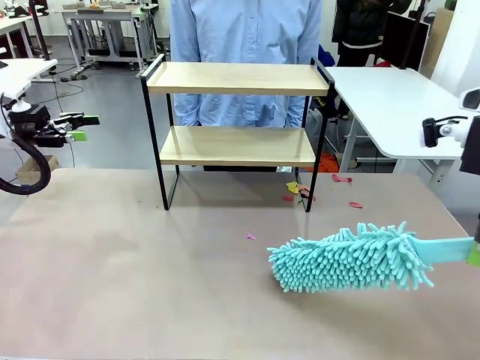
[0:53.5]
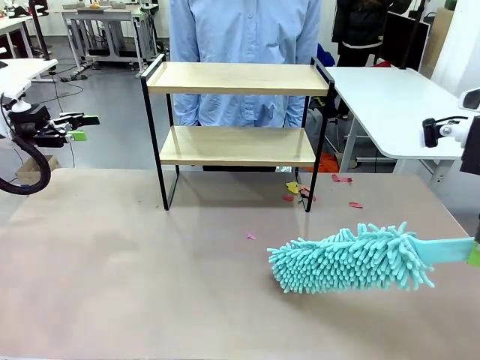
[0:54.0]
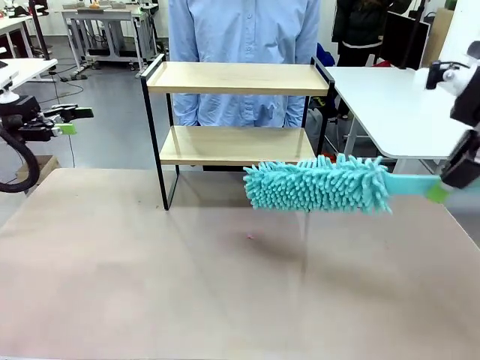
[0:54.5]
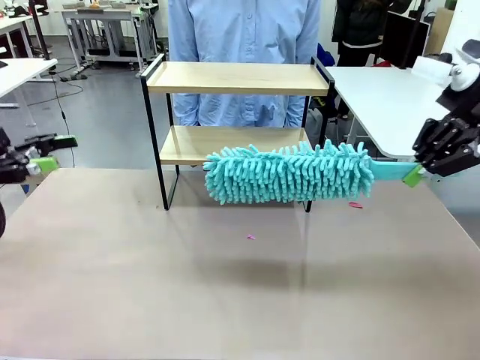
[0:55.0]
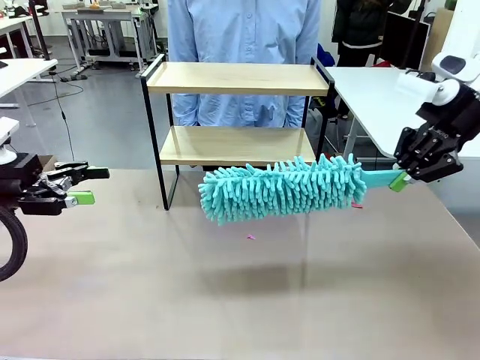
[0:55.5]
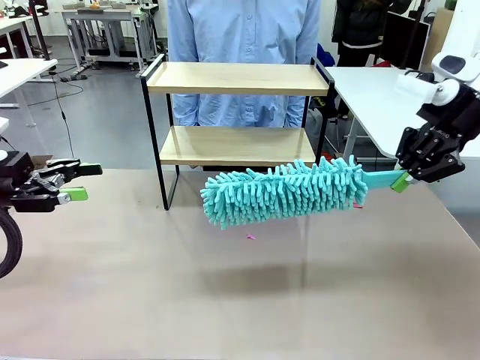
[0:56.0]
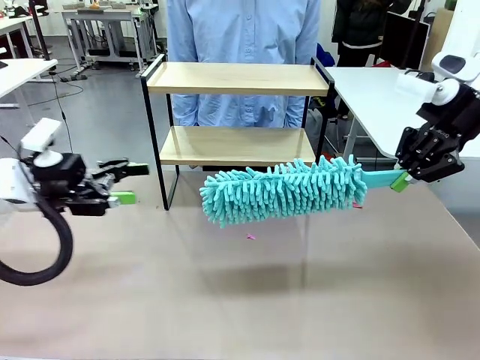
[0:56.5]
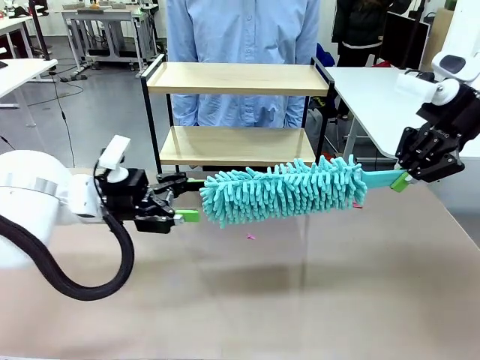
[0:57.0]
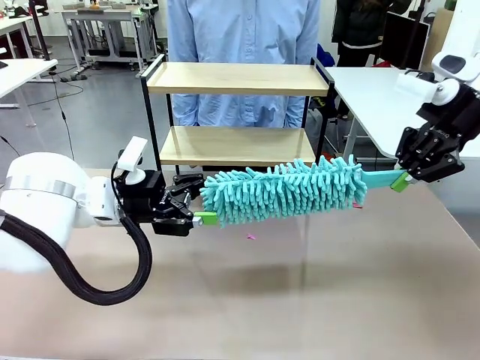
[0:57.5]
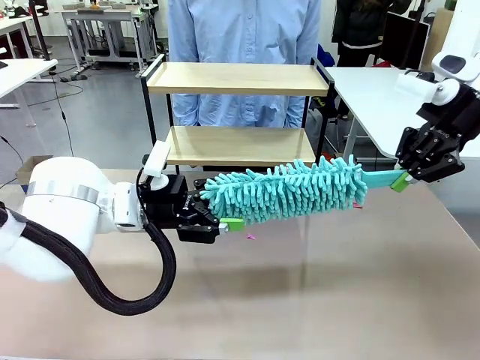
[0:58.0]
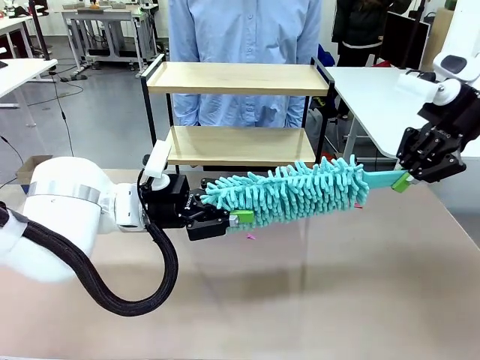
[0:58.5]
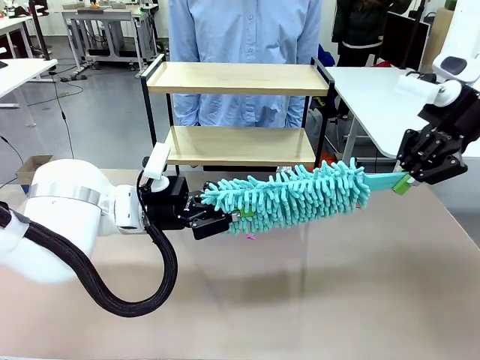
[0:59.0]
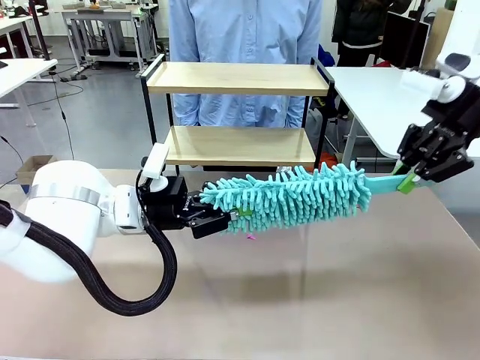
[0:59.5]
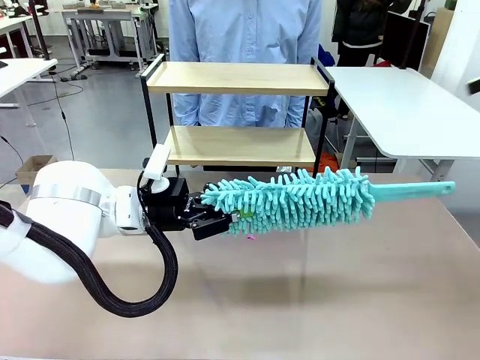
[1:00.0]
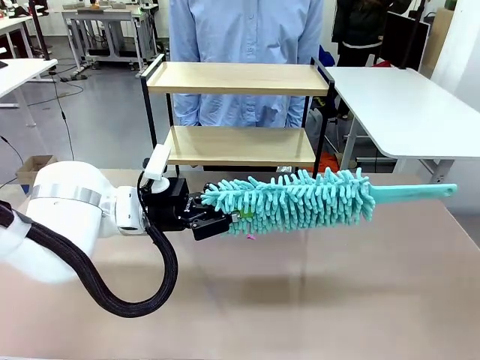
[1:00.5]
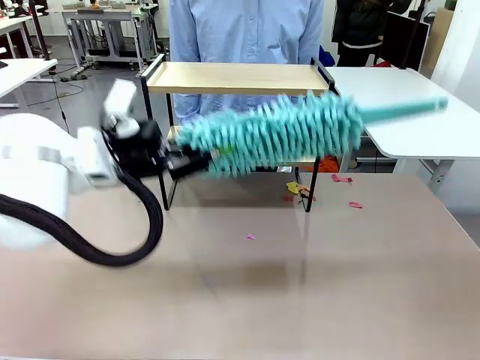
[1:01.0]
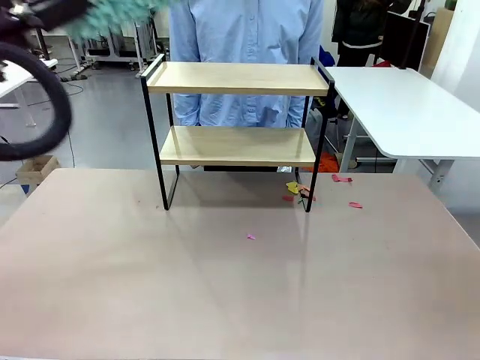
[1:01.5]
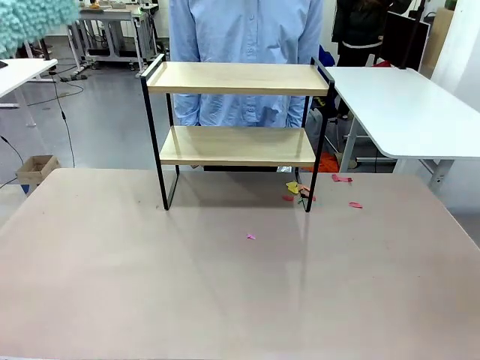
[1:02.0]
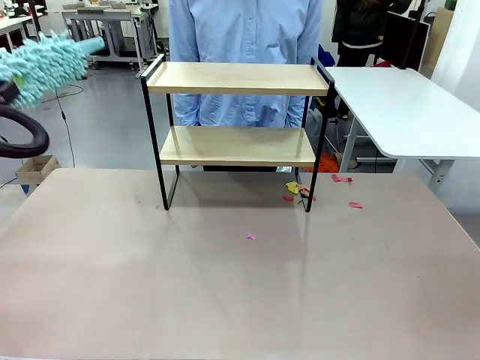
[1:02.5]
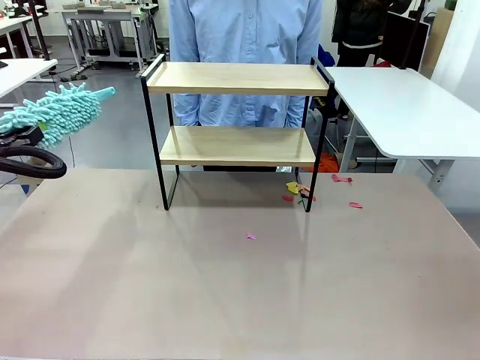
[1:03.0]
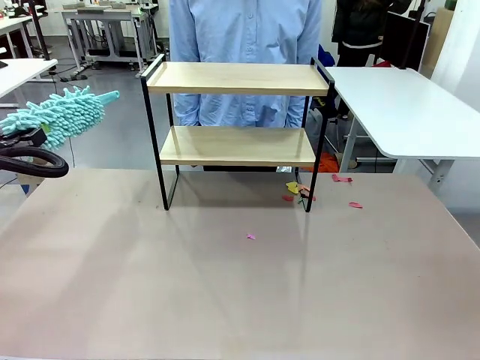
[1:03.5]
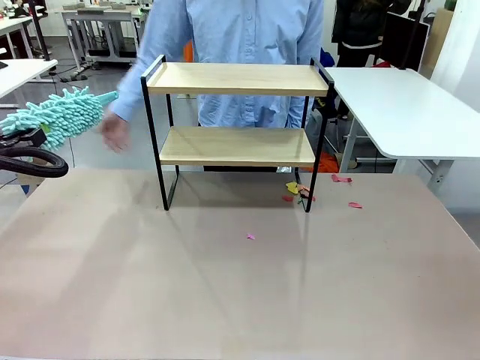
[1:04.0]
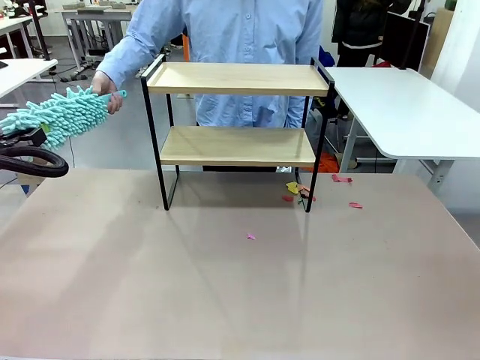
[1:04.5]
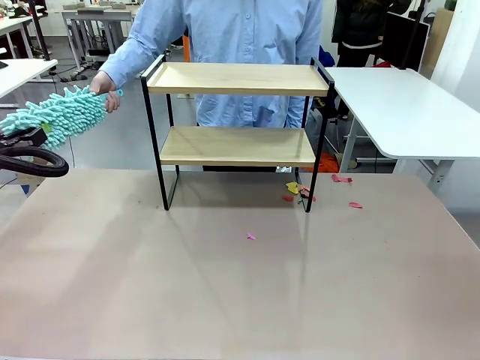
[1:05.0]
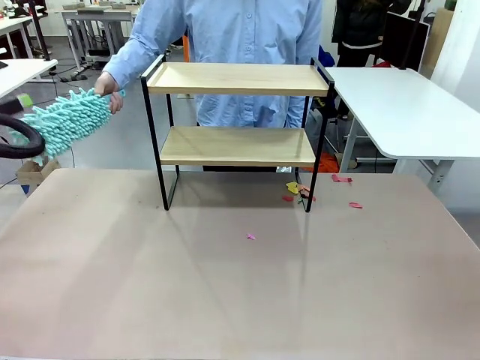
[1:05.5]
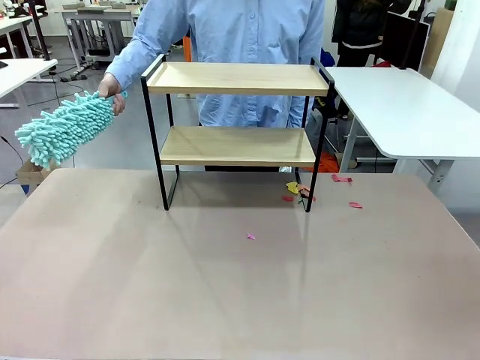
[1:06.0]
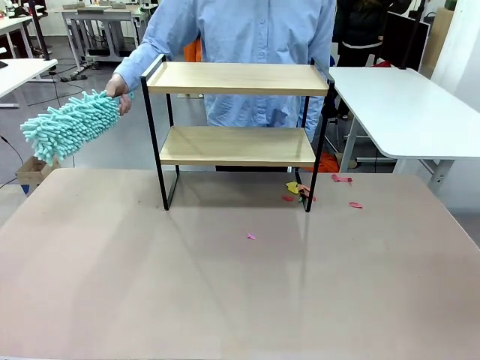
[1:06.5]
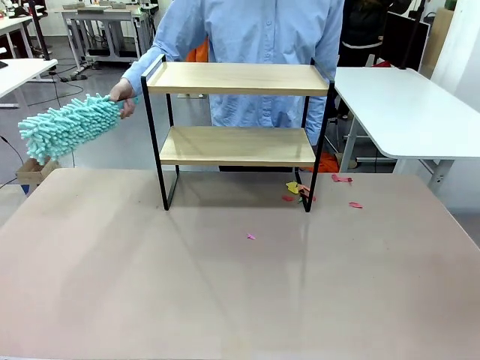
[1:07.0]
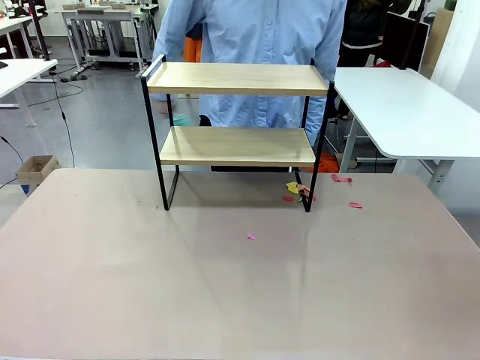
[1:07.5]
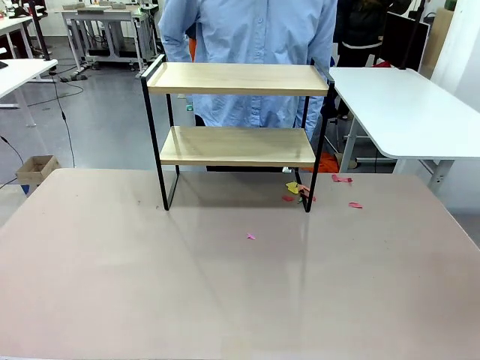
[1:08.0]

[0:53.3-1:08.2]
Task: Clean the shelf.
Robot: Hand the Duster back to the human.
Person: Receive the Duster from the robot.

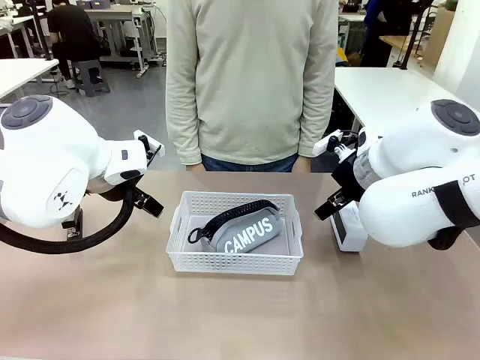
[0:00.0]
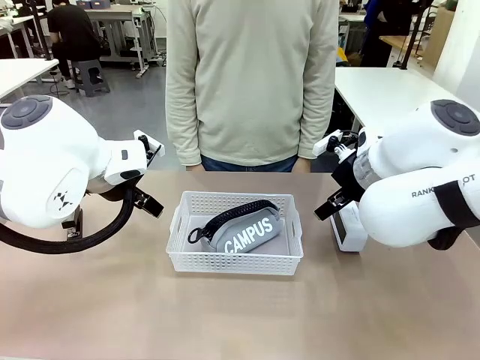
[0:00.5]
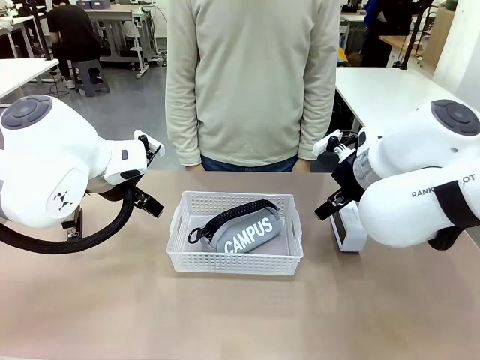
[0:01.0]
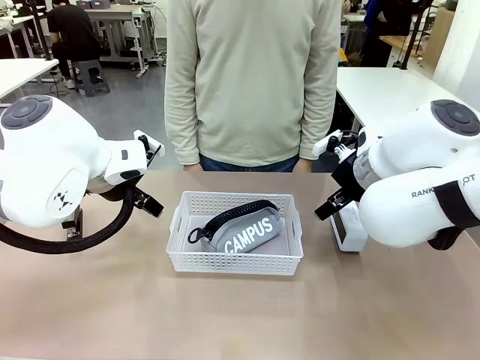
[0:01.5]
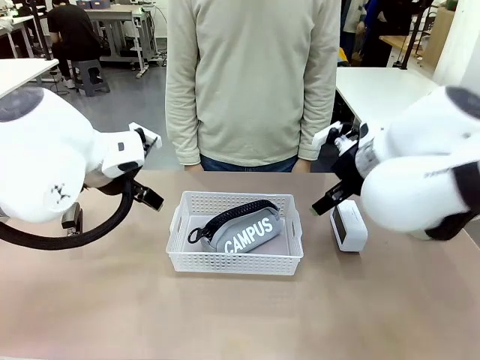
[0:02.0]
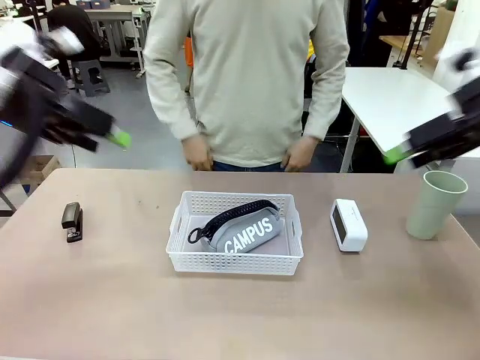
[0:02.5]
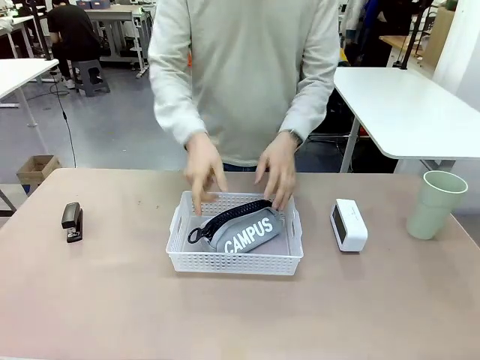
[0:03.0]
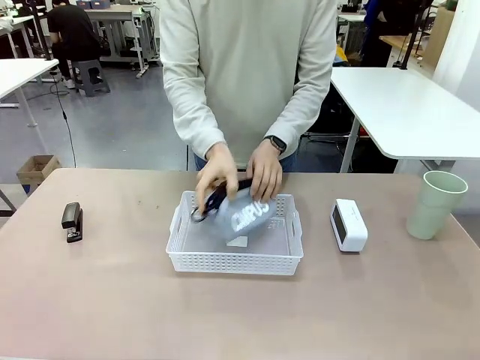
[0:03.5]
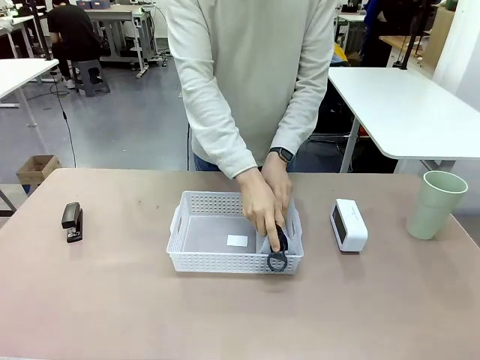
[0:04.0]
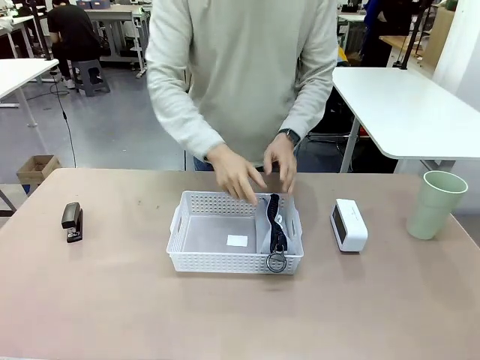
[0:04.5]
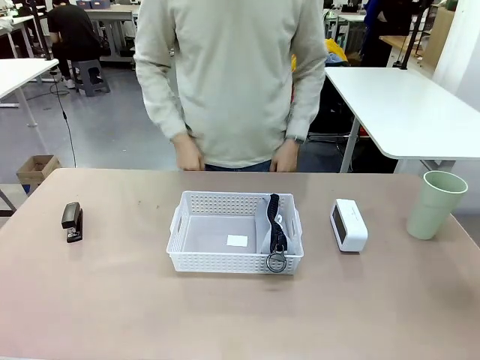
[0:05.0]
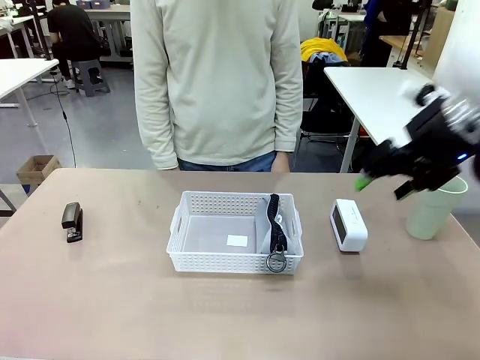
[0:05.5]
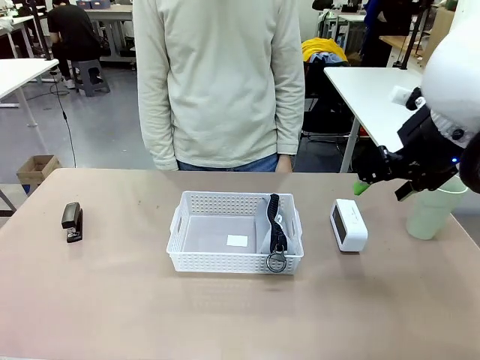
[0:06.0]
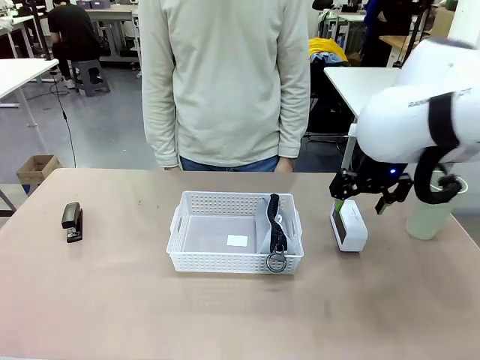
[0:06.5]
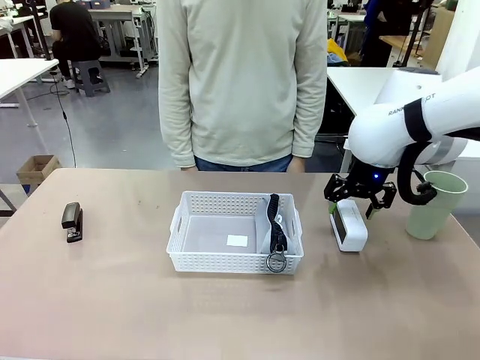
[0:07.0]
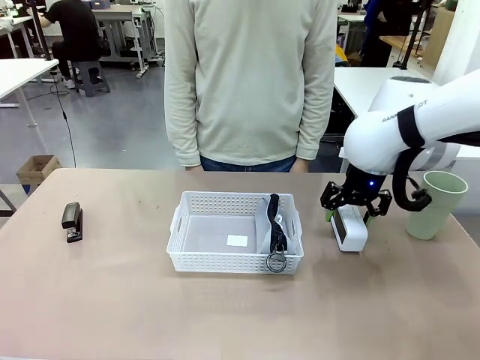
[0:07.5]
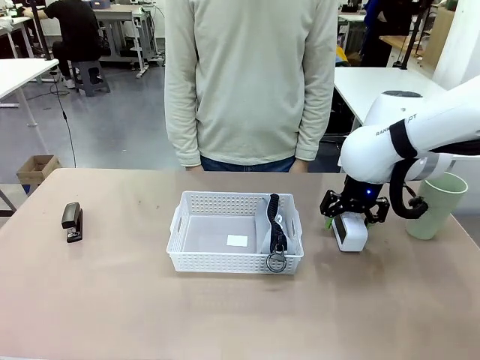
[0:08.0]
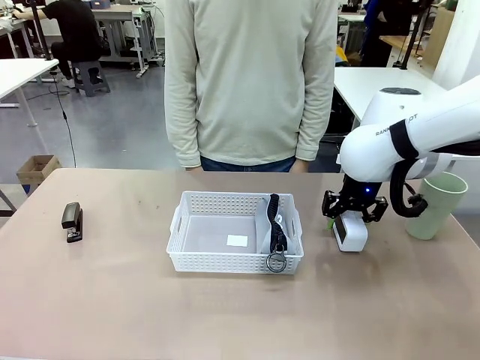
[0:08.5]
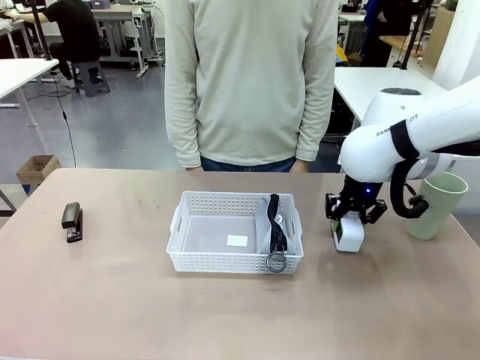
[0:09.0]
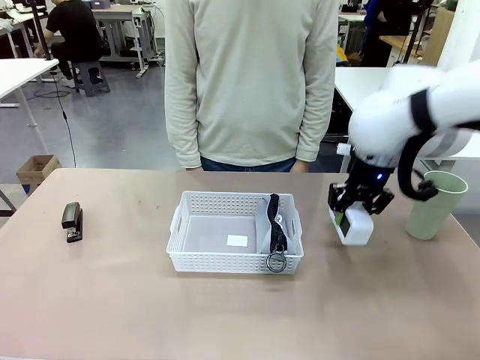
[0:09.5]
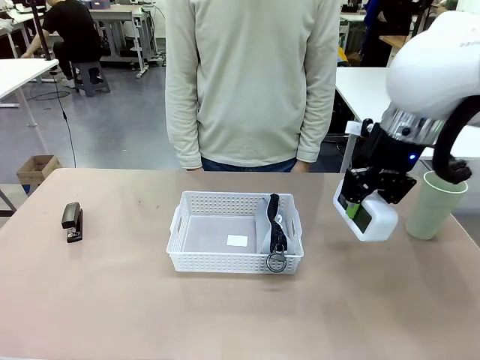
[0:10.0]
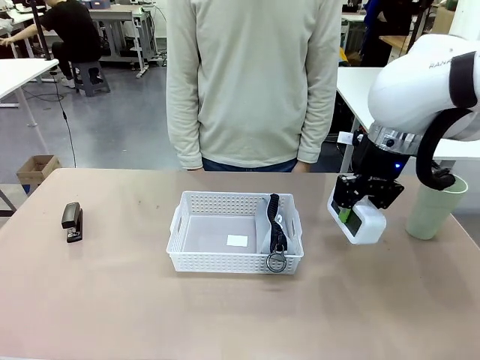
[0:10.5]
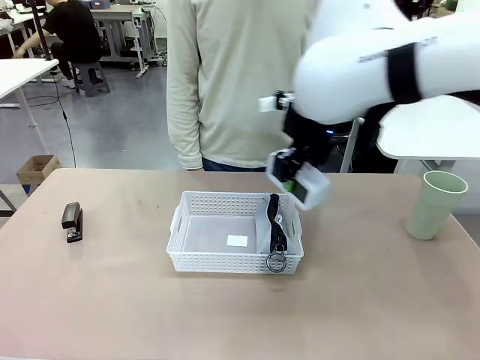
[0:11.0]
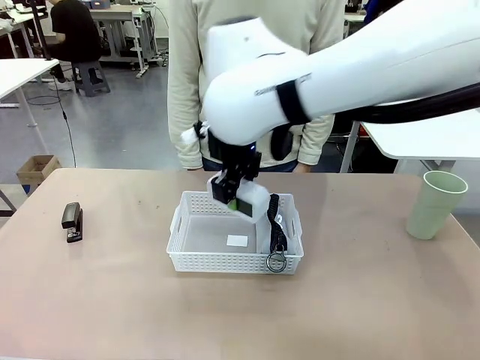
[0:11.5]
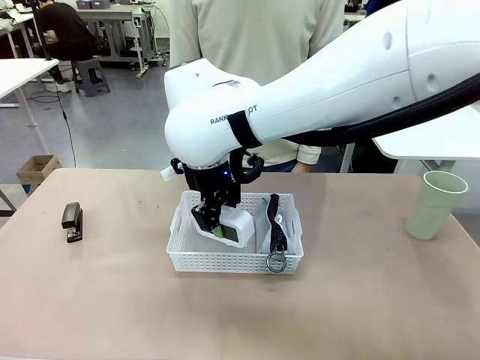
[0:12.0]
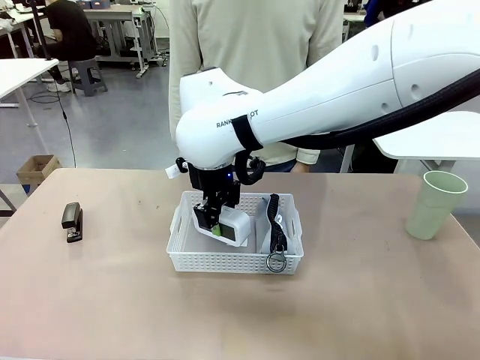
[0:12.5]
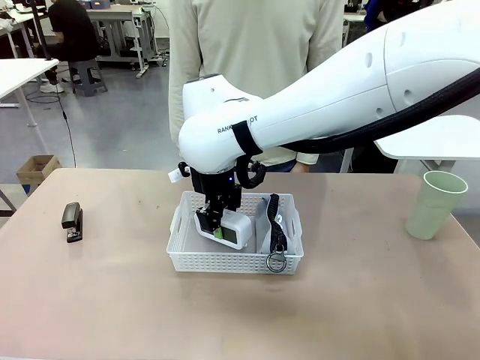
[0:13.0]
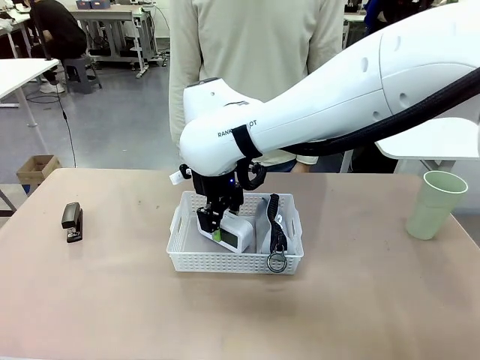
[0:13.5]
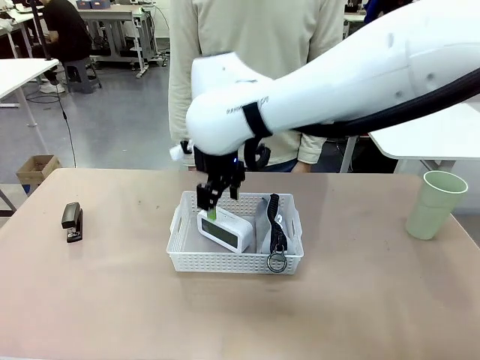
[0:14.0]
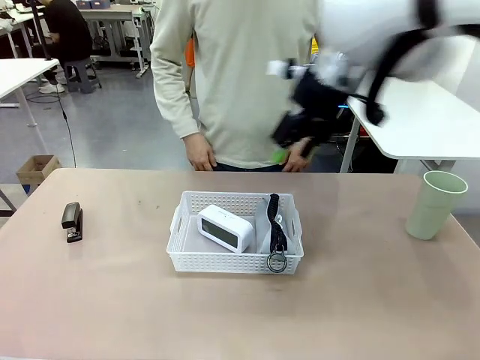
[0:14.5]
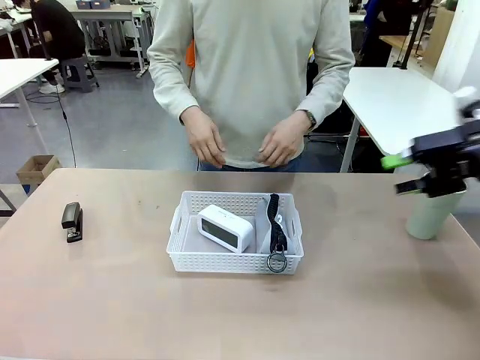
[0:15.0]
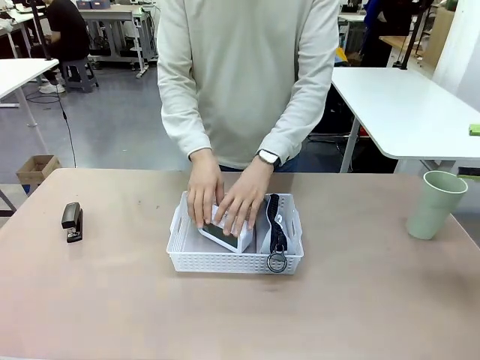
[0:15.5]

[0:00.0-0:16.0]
Task: Efficiently arrange items inside the basket to fit them all.
Robot: Pick up the Digital clock and place it inside the Organizing basket.
Person: Repositions the pencil case. Repositions the digital clock.
